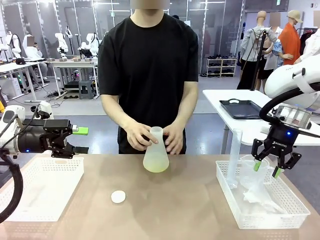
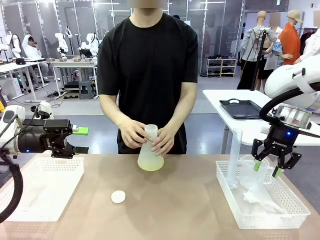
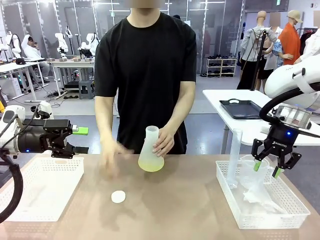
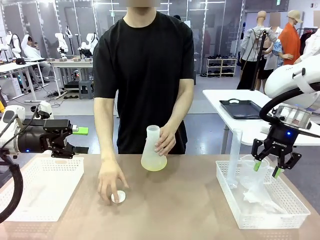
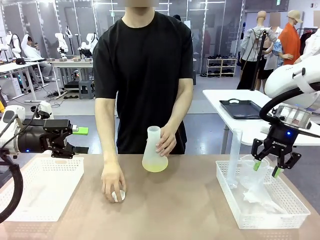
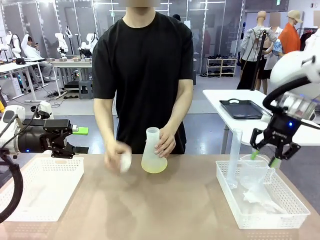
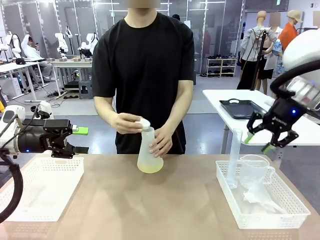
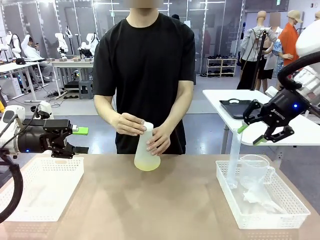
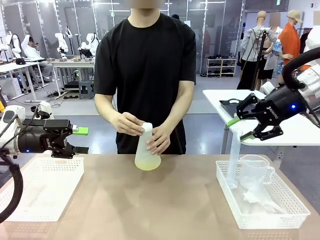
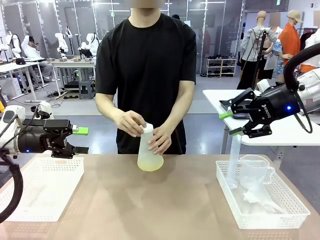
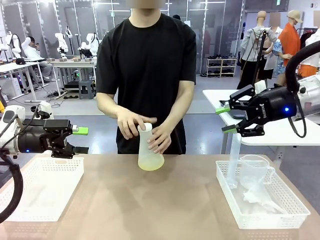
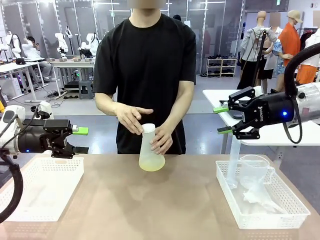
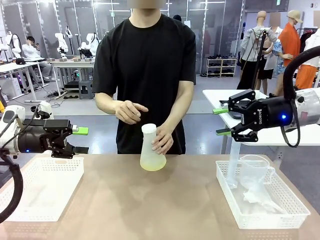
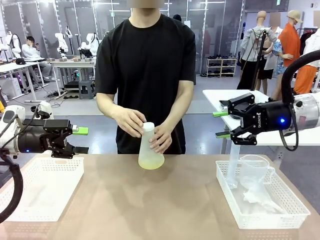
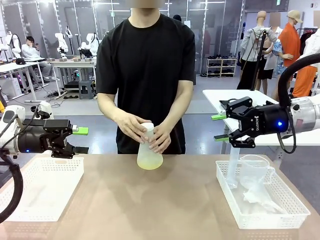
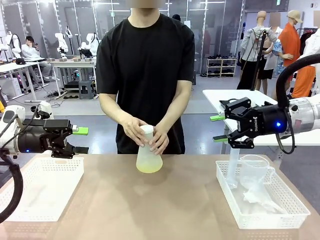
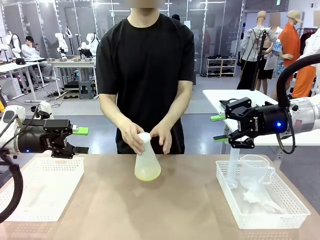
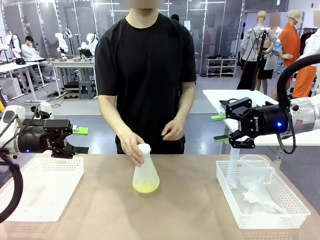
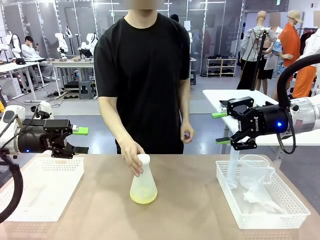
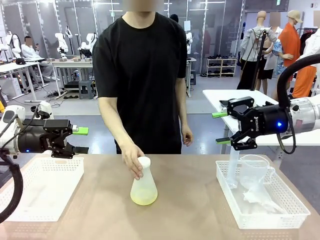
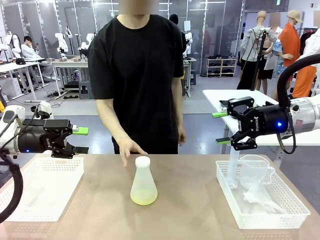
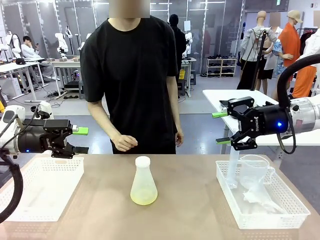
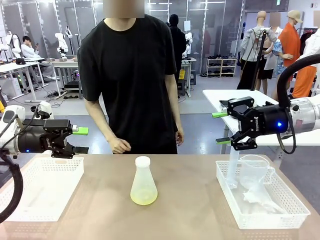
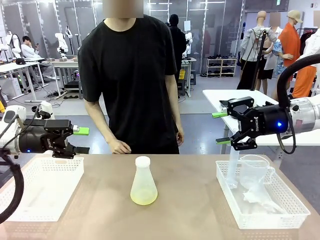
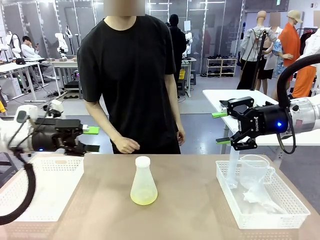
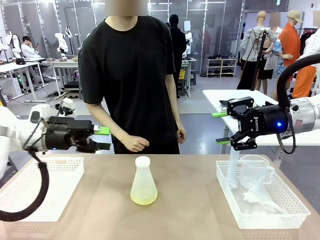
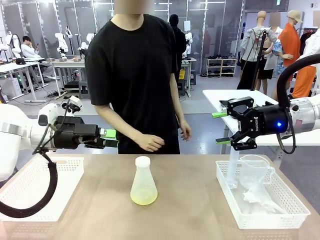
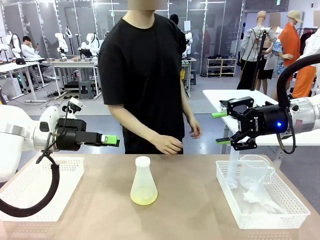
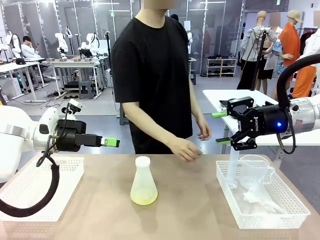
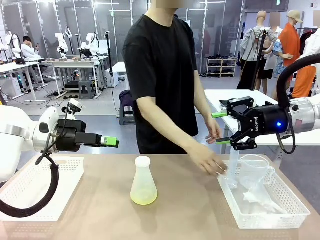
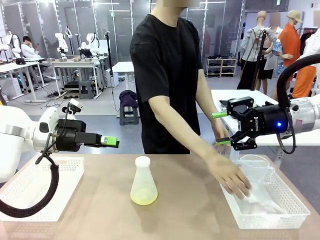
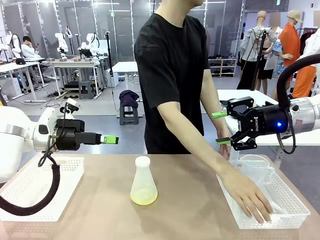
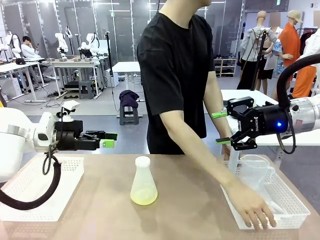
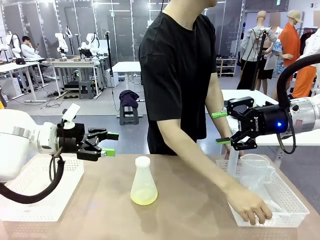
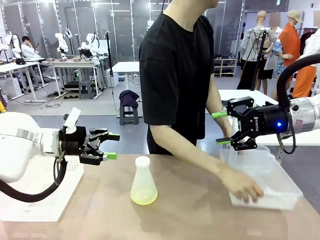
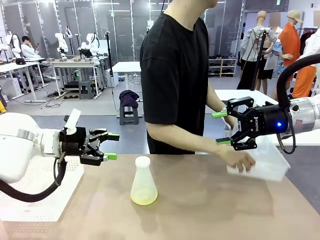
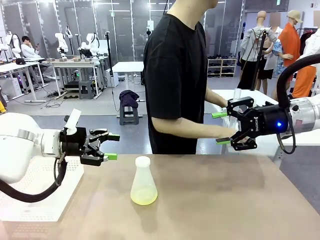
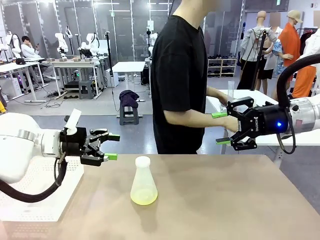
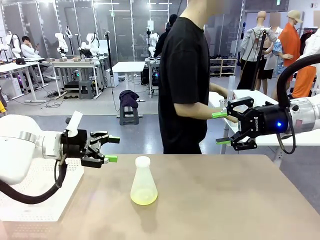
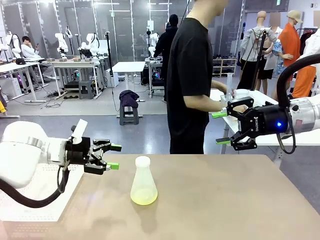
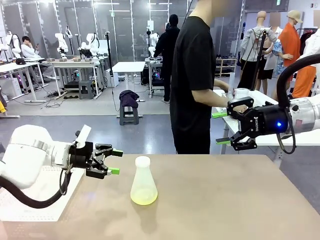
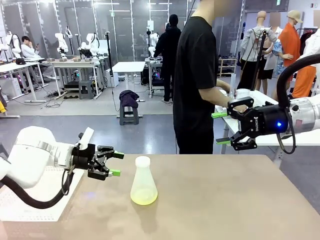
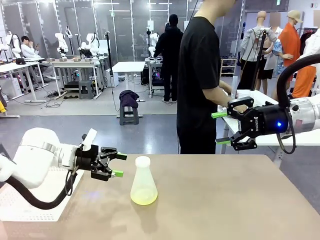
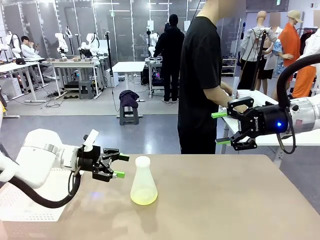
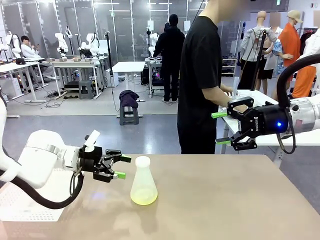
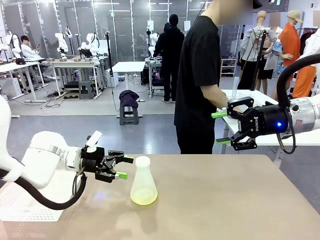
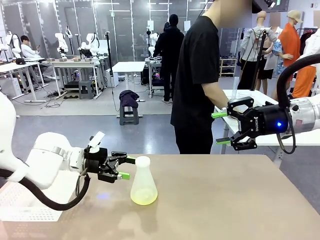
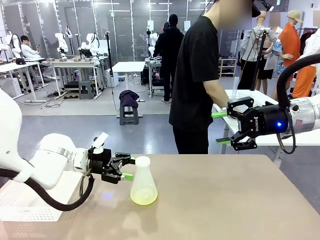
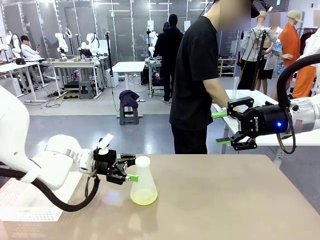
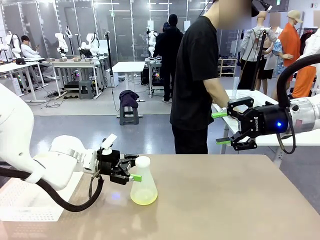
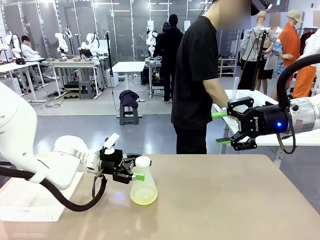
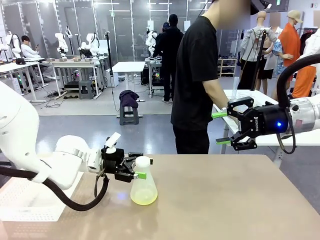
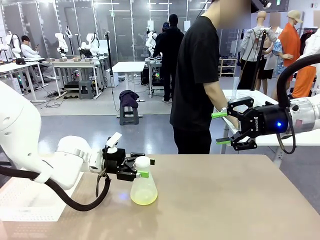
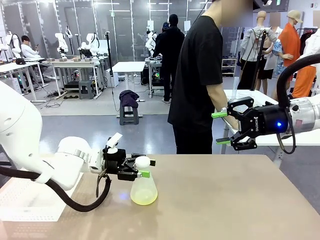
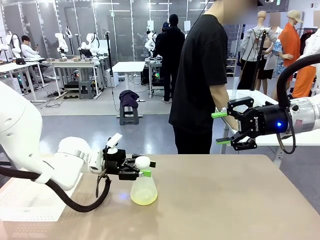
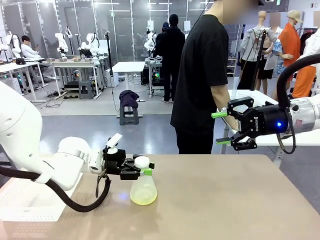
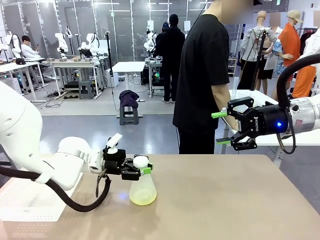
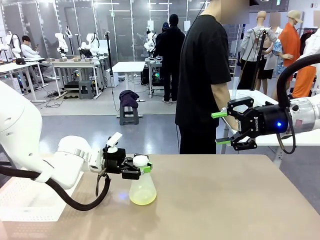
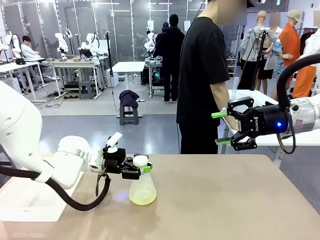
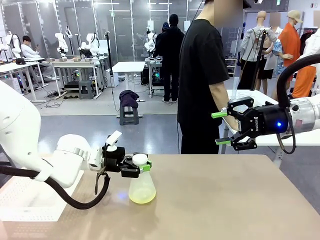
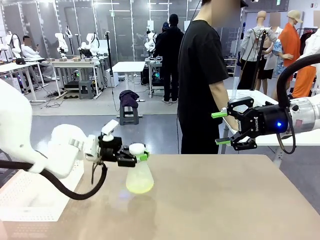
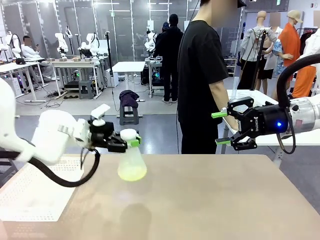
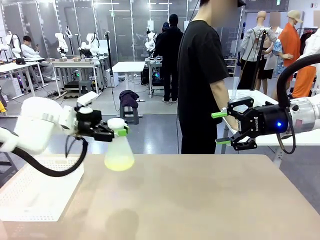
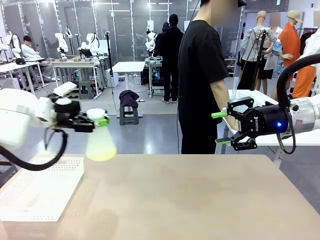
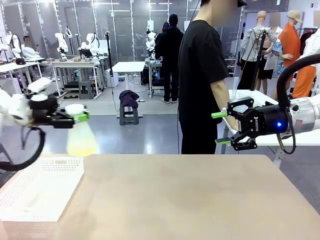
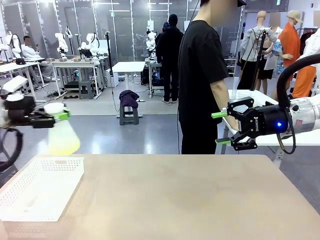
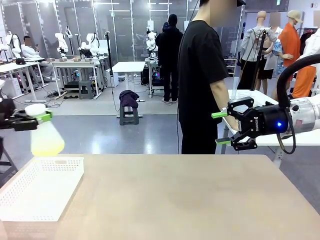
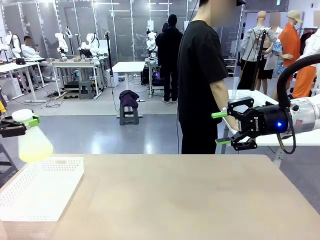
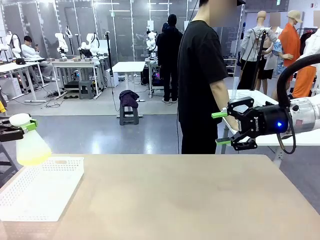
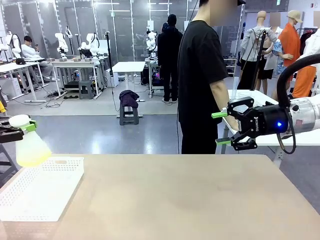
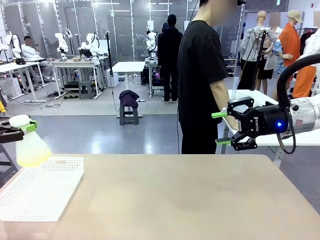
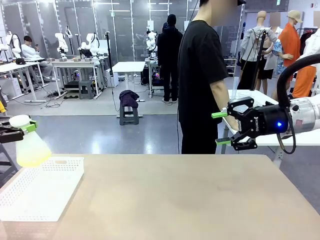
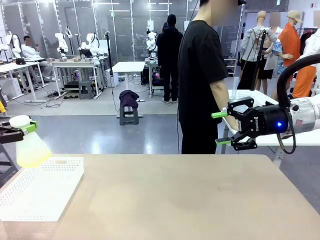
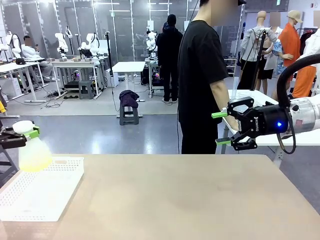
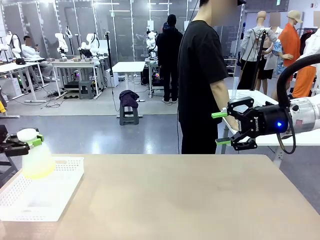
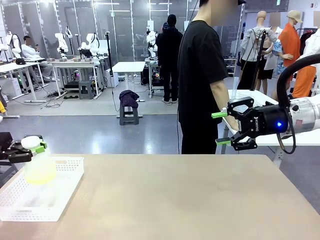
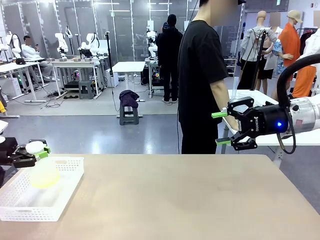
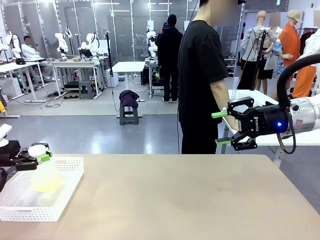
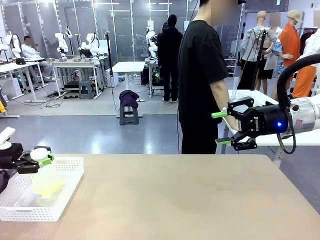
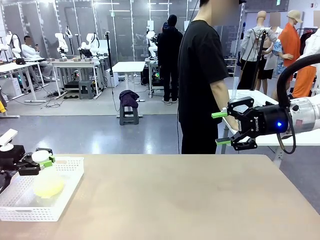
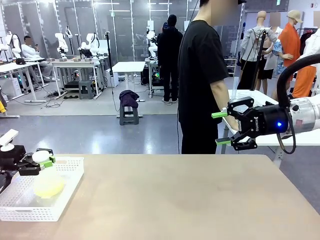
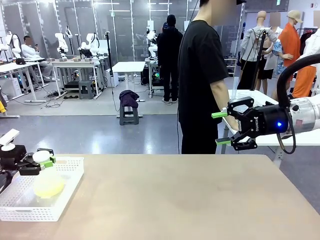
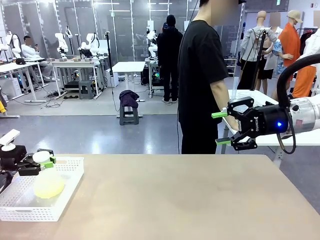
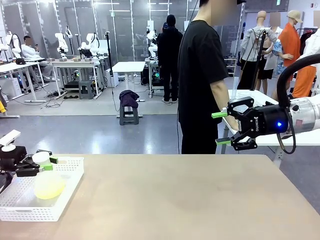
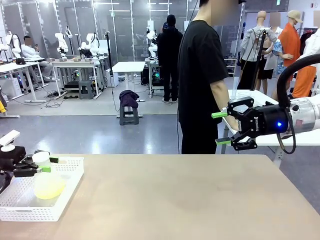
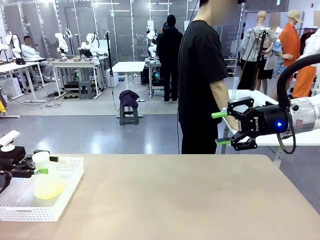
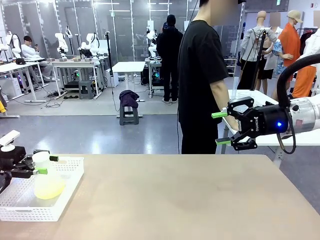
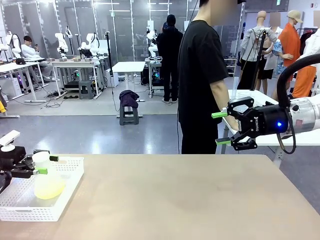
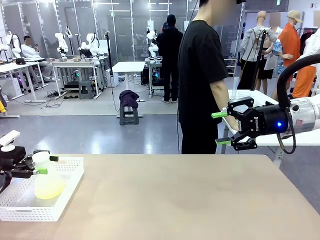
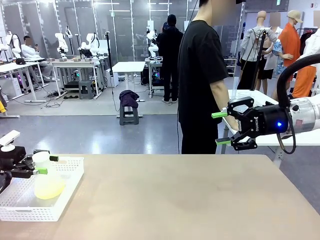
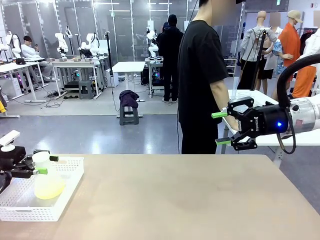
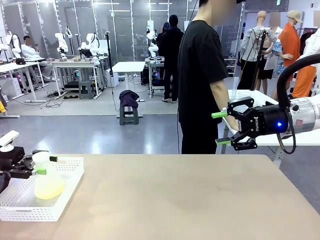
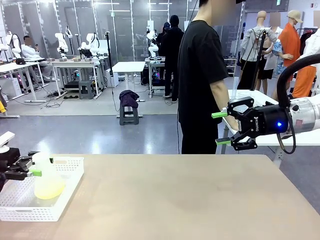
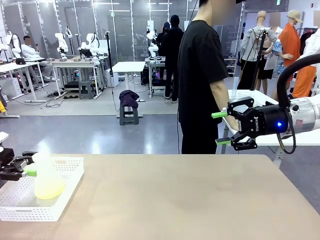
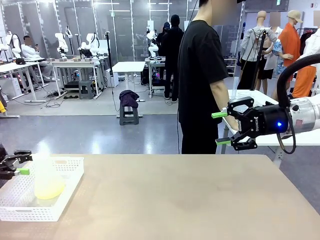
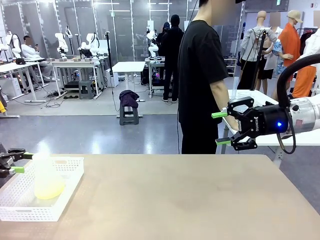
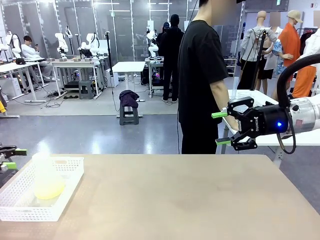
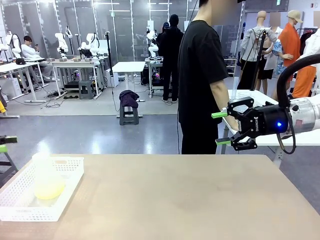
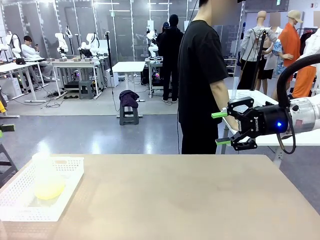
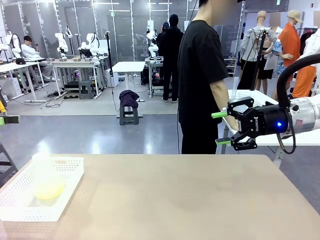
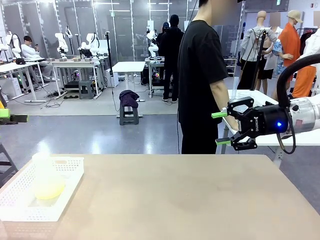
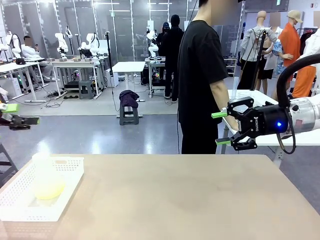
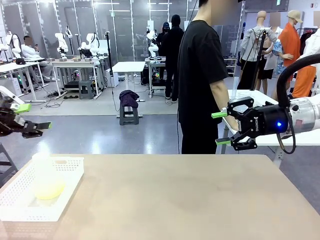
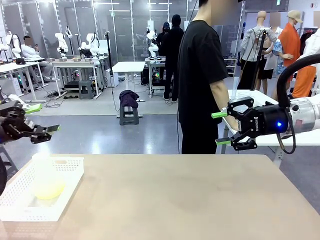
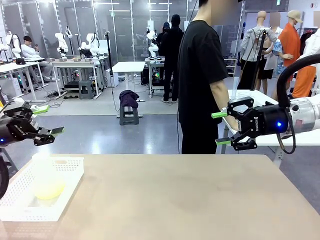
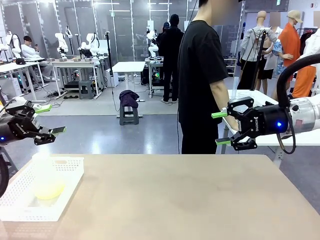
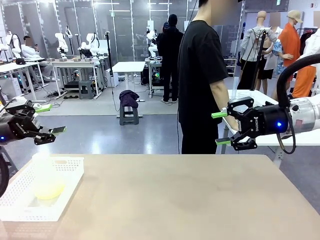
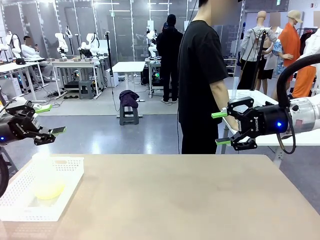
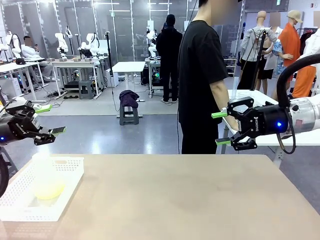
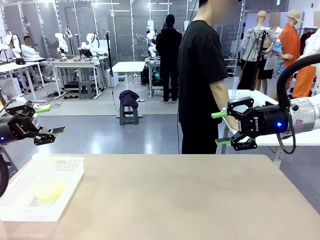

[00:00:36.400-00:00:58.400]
Task: Prepare the solutions needed for the experiment.
Robot: When the human places the Big flask in the center of the table, pick up the Big flask and place it in the left Organizing basket.
Person: Pick up the organizing basket on the left side of the robot table and place it on the left side of the human table.
